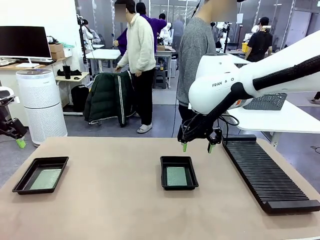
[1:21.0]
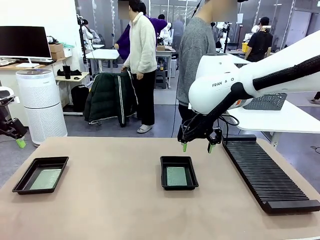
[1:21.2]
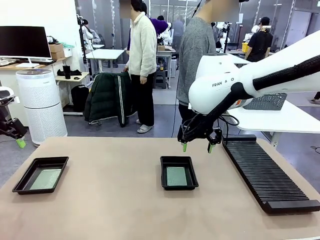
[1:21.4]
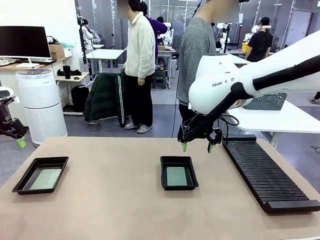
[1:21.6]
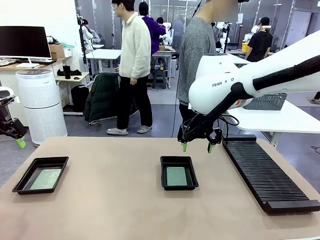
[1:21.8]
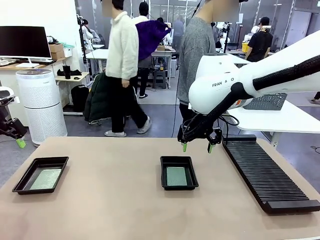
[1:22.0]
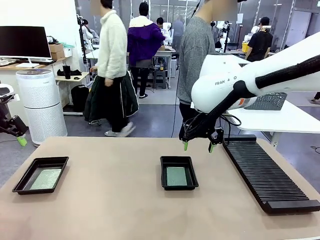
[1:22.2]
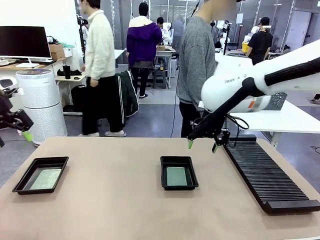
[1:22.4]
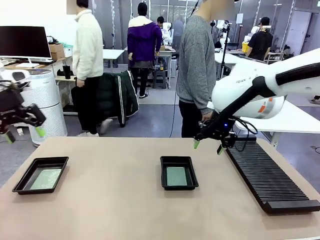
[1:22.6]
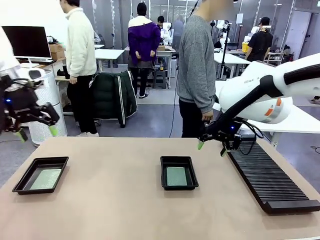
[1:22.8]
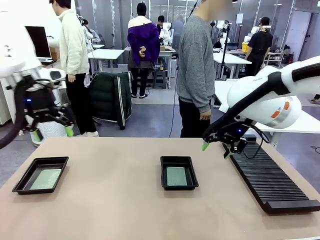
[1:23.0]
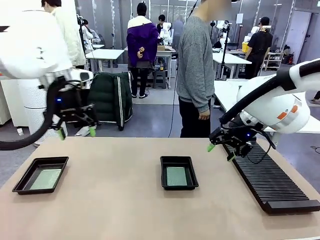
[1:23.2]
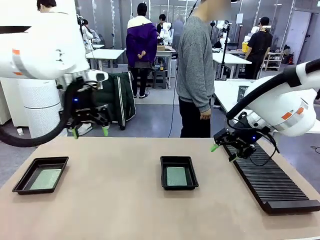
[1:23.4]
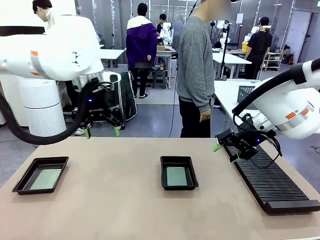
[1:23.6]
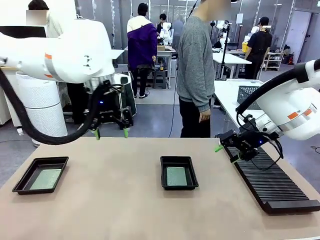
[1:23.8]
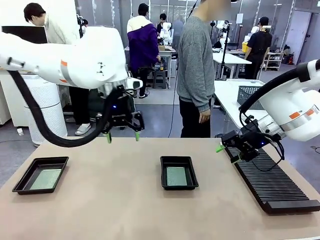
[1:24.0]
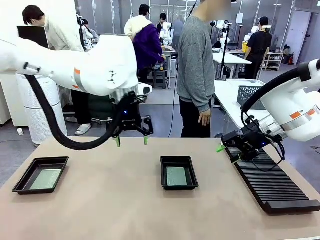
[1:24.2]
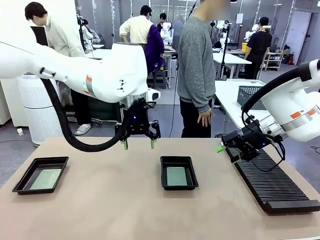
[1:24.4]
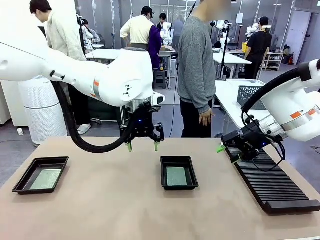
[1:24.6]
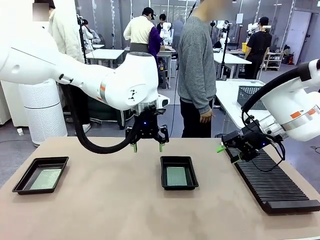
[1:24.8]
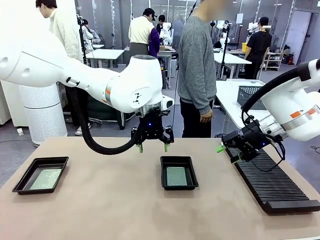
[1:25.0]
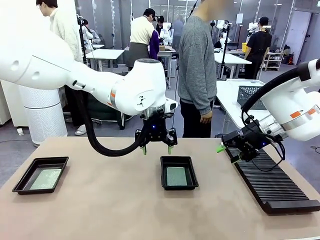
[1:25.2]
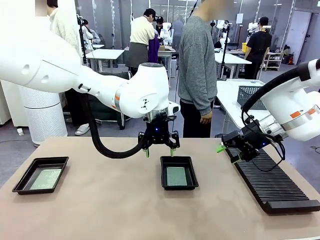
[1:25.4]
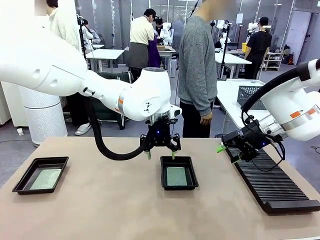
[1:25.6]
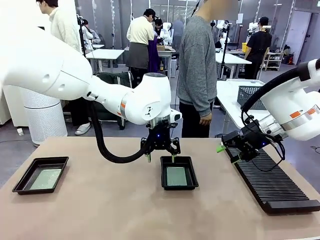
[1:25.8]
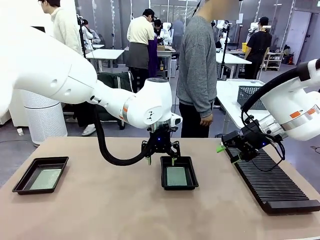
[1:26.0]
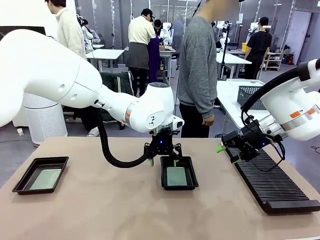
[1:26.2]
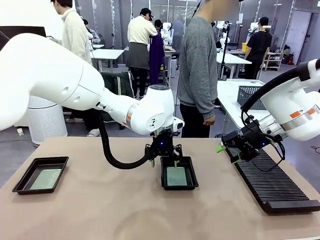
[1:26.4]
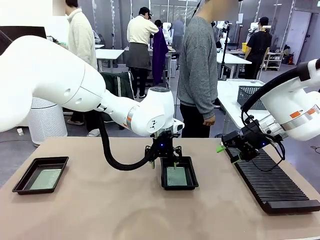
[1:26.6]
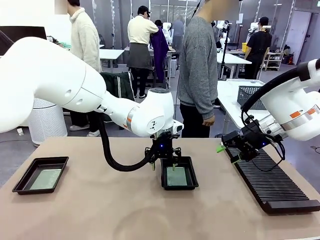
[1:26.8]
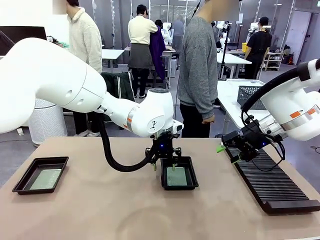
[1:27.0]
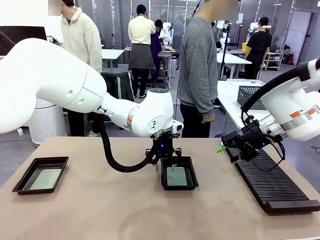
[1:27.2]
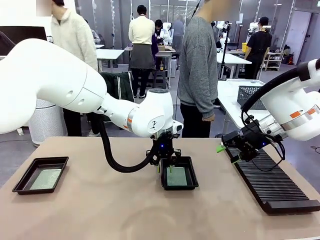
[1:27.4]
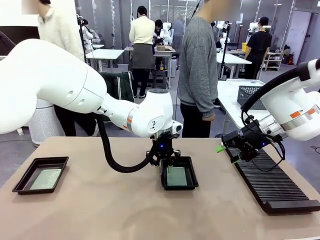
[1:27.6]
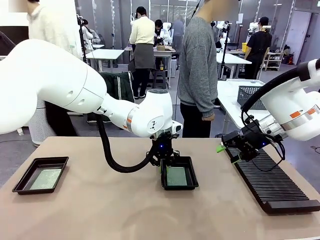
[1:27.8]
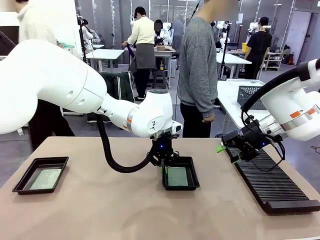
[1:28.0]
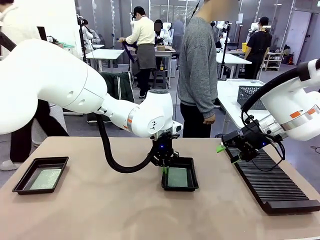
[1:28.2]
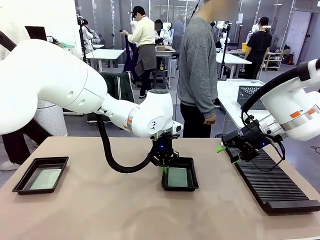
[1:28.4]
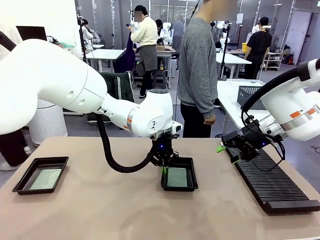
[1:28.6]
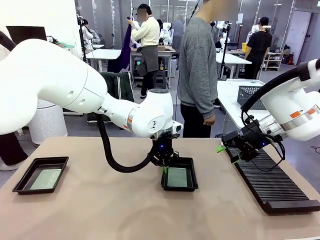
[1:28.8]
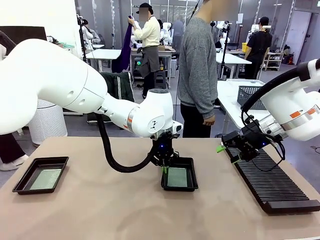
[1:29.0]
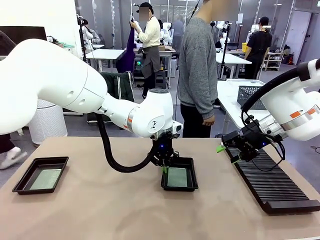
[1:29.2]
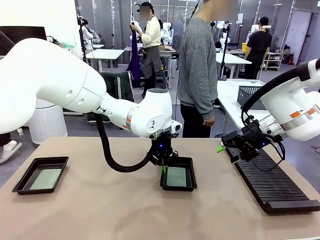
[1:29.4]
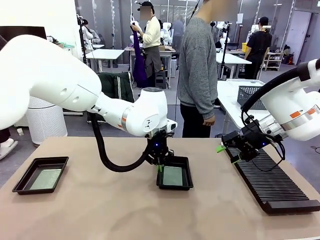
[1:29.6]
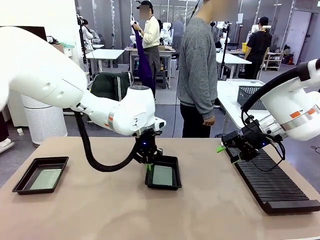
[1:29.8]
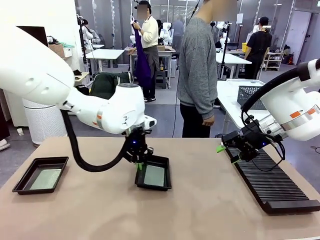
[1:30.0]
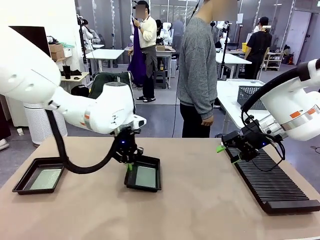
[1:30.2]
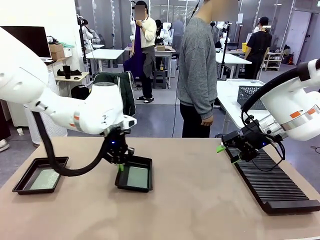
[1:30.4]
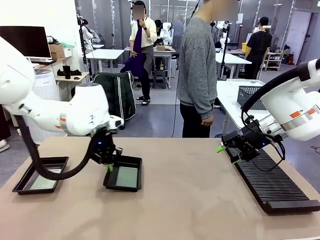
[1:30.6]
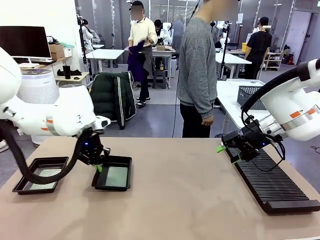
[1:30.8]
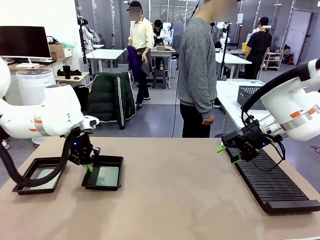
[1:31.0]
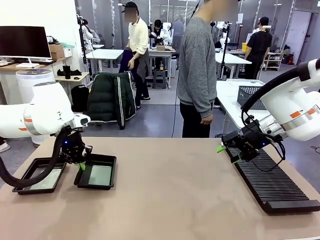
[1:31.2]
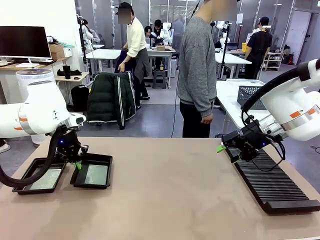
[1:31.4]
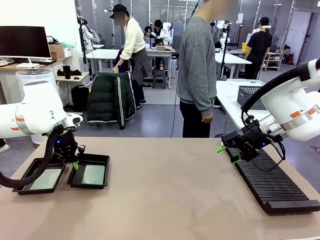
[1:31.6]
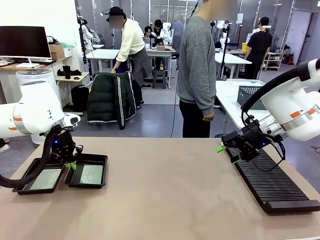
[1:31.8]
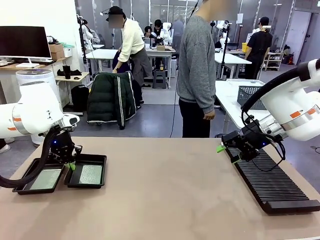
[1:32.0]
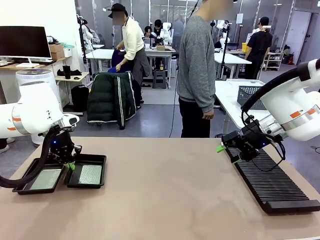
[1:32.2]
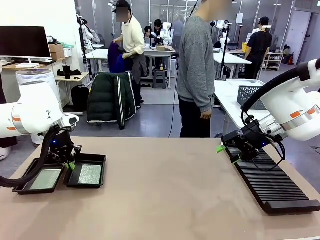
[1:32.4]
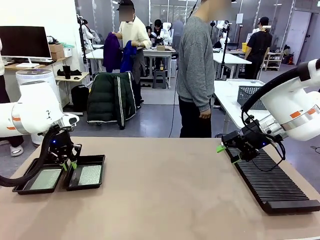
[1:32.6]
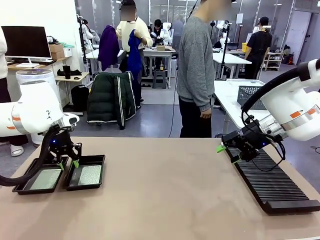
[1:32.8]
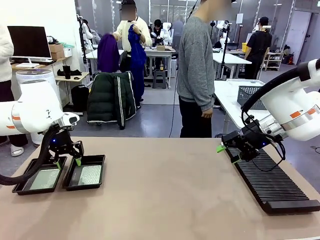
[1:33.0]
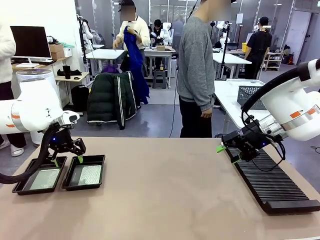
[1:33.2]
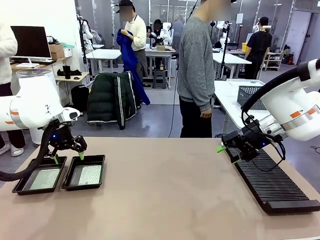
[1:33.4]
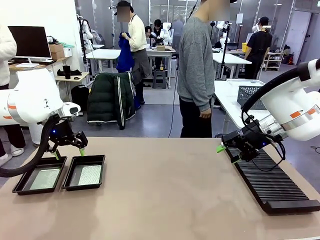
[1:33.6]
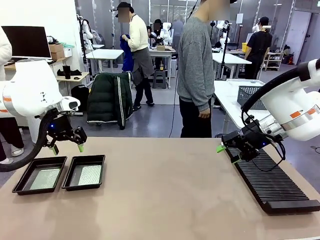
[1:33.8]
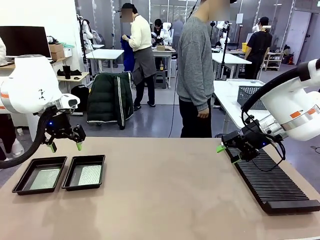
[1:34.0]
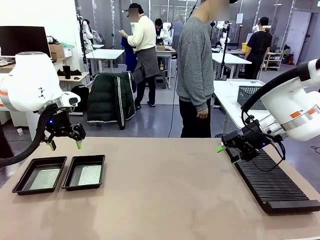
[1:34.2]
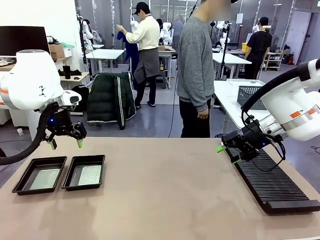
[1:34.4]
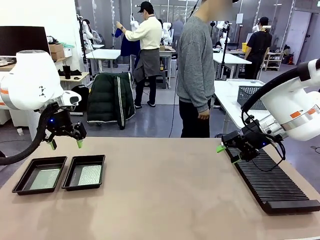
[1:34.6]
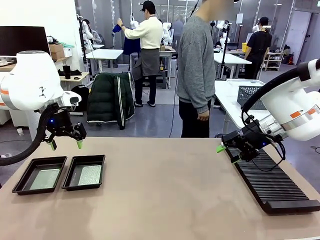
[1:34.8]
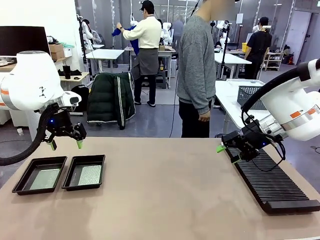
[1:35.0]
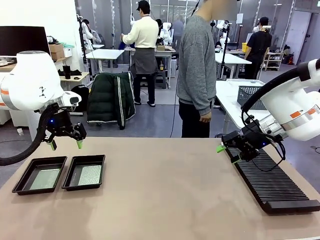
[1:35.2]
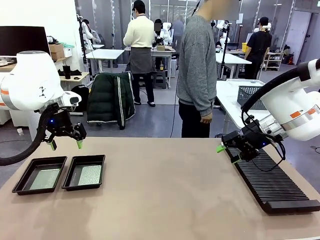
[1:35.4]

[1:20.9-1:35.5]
Task: Inspect and transfer BCBs to ESD trays.
Robot: Pick up the ESD tray and place it on the left side of the table.

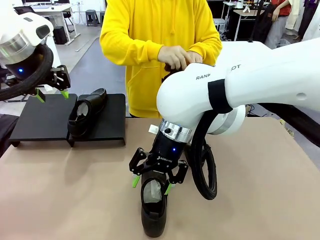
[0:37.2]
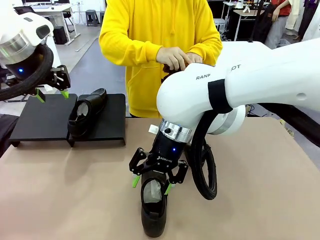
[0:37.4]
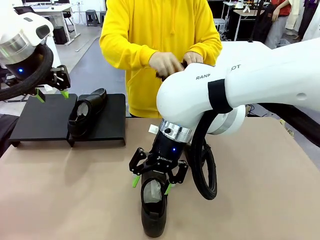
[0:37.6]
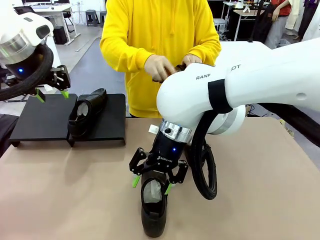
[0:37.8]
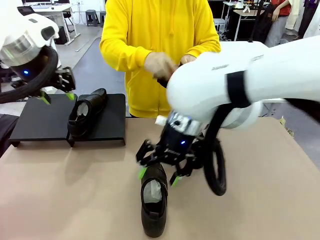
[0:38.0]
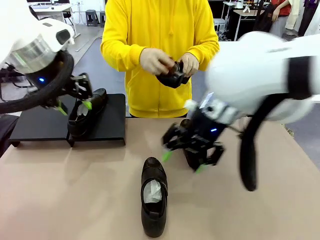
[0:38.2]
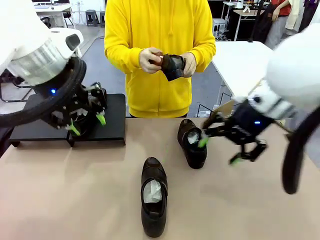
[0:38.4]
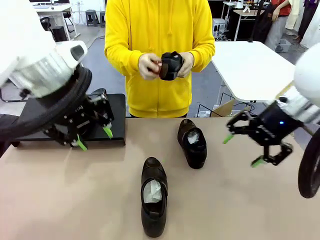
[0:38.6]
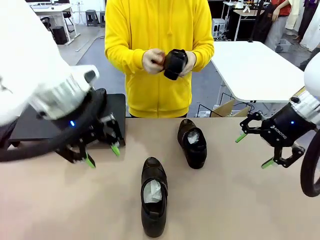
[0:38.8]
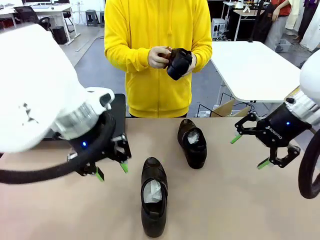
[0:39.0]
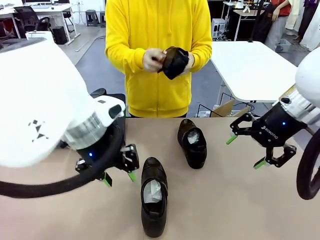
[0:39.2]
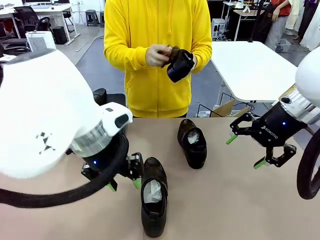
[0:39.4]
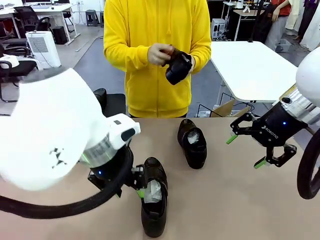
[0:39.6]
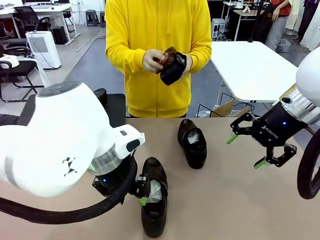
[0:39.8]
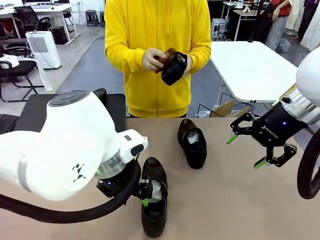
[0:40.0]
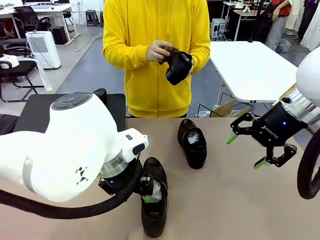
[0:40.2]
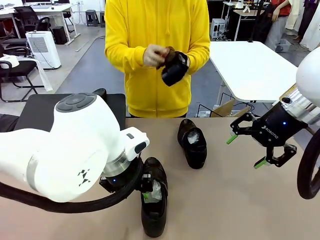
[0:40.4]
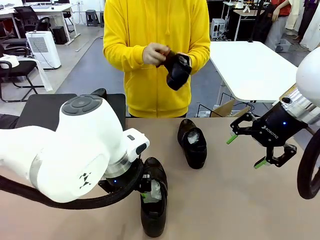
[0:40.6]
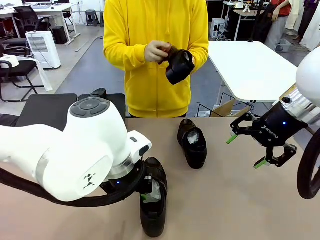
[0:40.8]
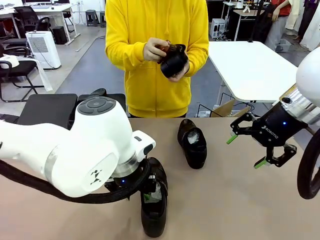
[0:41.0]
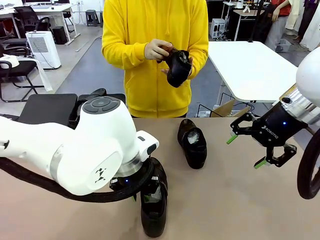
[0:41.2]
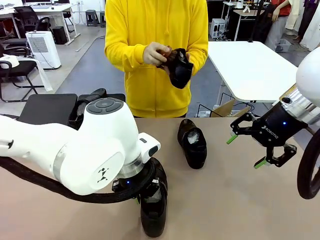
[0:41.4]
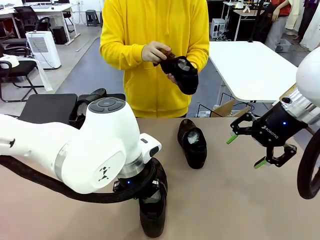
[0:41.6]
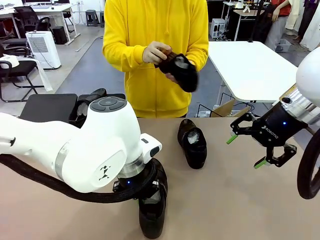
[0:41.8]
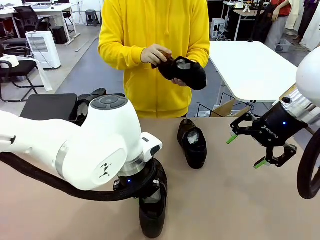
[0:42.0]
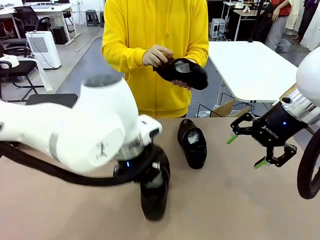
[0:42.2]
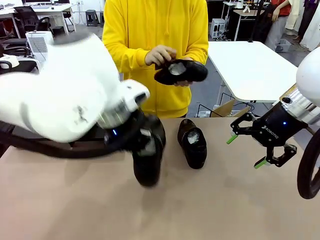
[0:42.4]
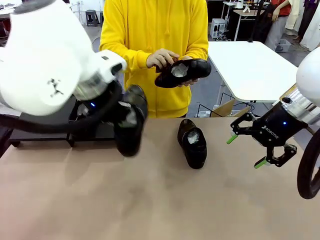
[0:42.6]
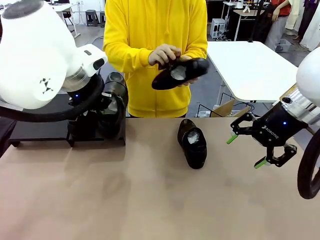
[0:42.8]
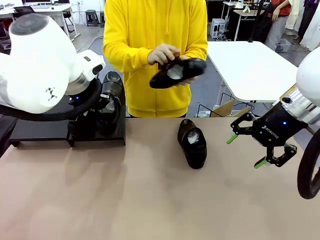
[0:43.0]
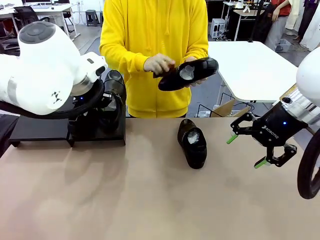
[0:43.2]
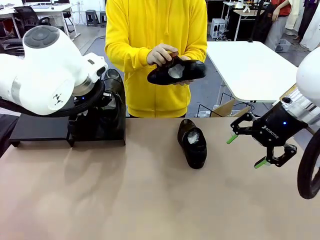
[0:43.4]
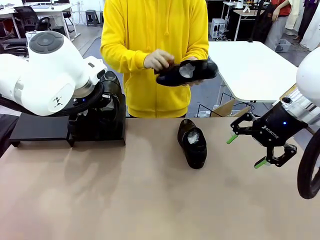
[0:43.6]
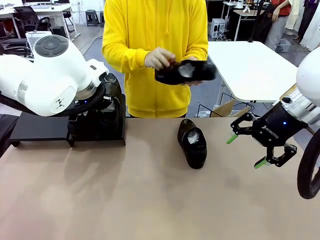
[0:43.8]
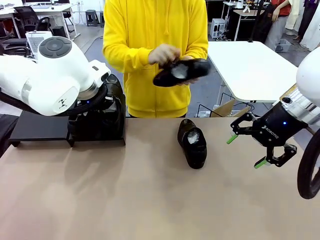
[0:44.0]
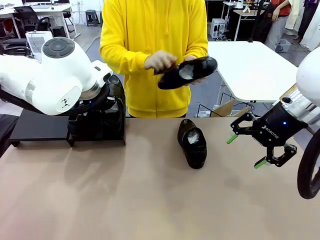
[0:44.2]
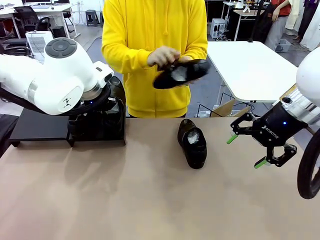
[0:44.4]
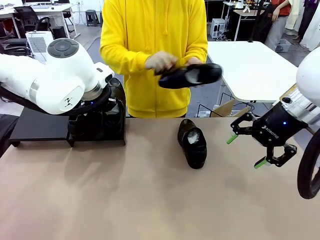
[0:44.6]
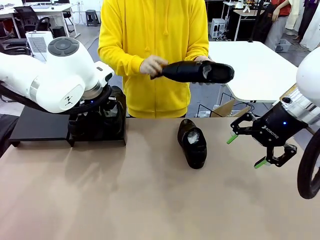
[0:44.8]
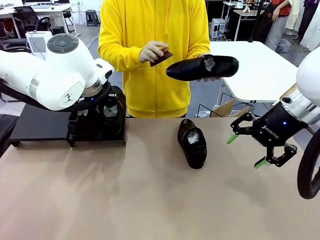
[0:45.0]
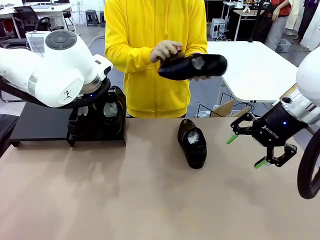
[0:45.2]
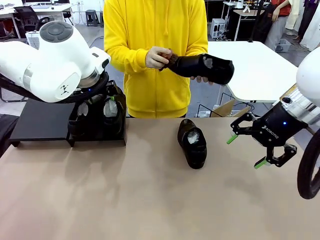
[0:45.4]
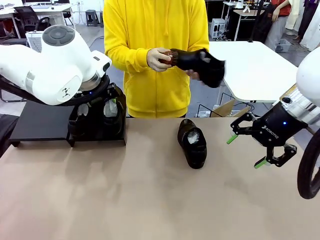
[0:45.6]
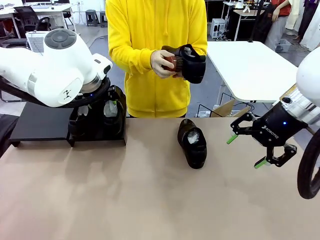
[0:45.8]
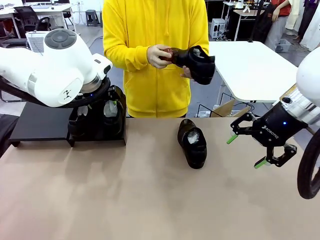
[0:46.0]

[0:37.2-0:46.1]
Task: Organize the shoes by placing them on the stand.
Robot: Place the Shoe from the middle of the table onto the Shoes Stand.
